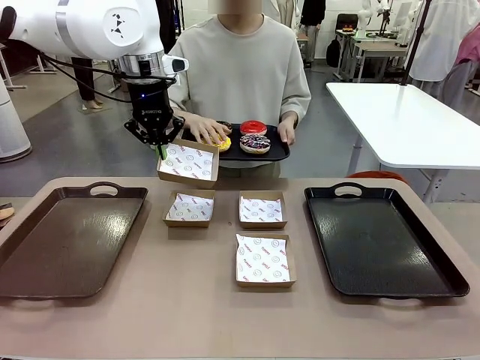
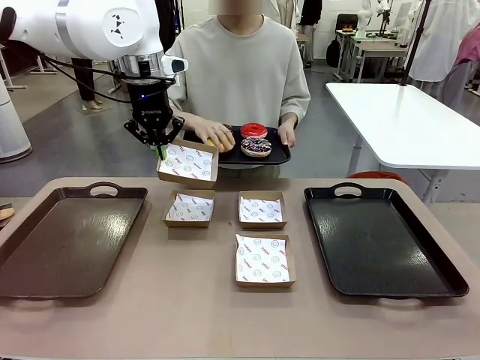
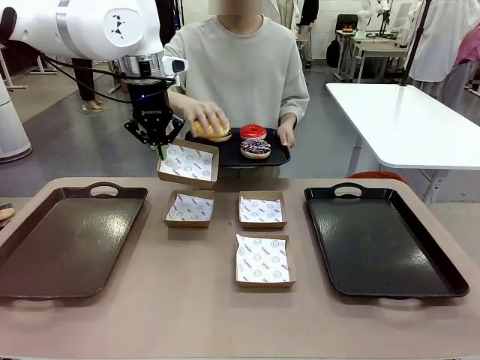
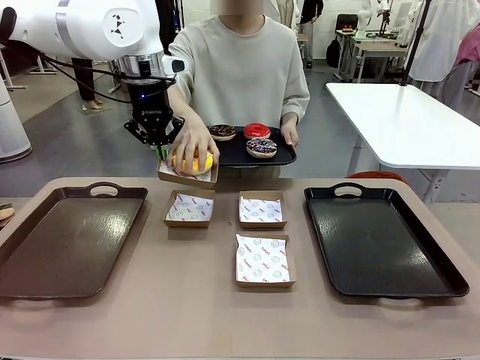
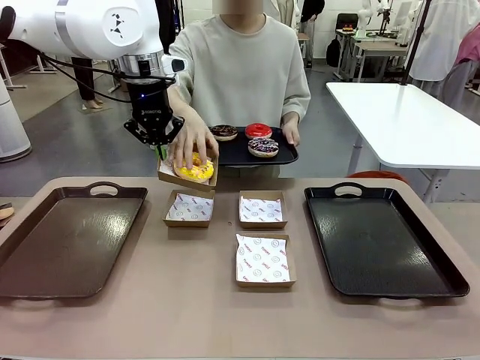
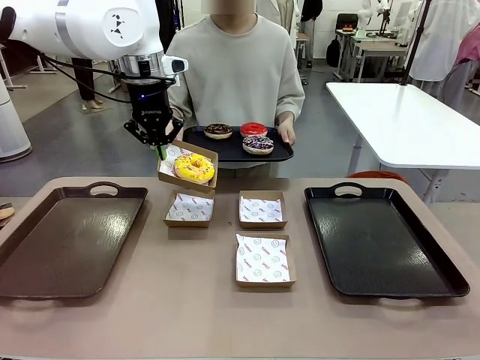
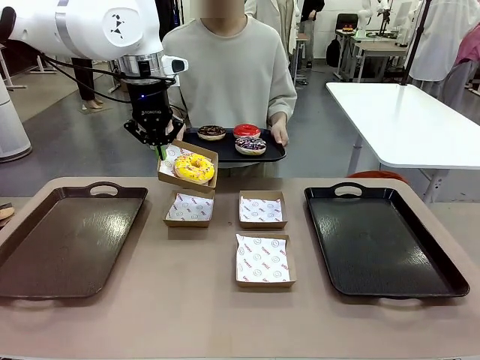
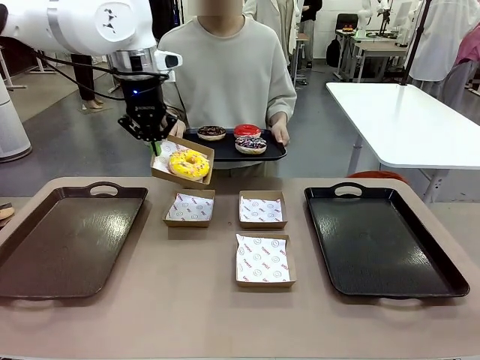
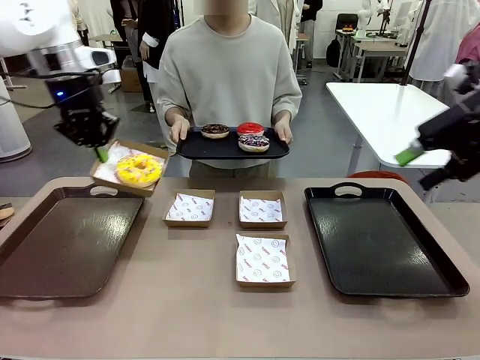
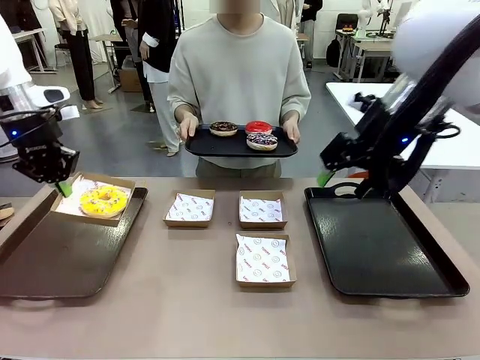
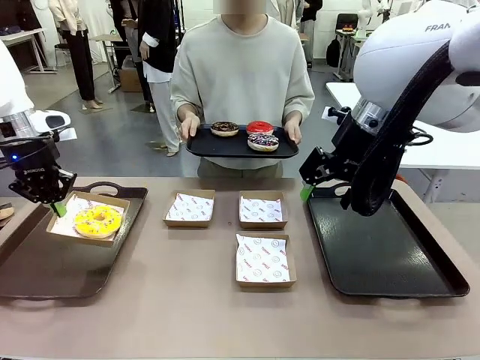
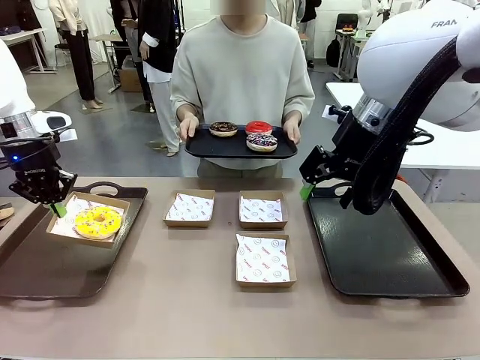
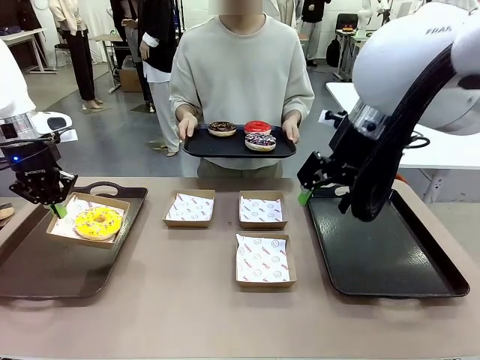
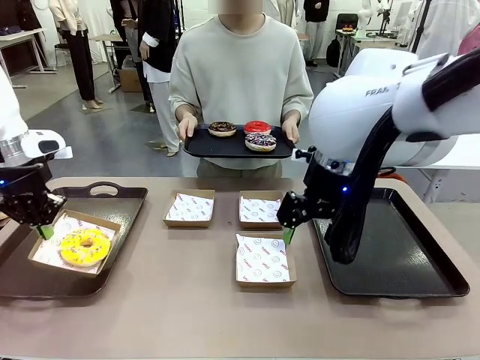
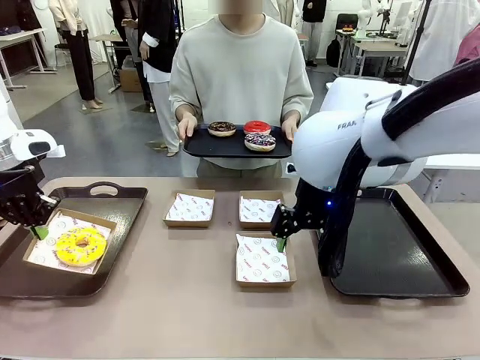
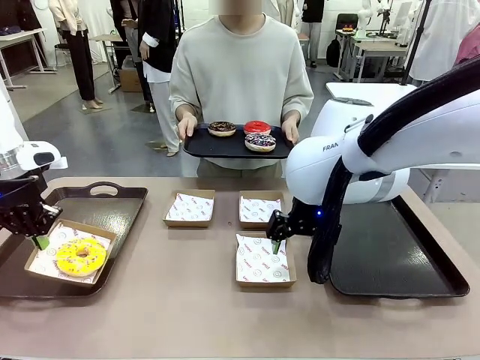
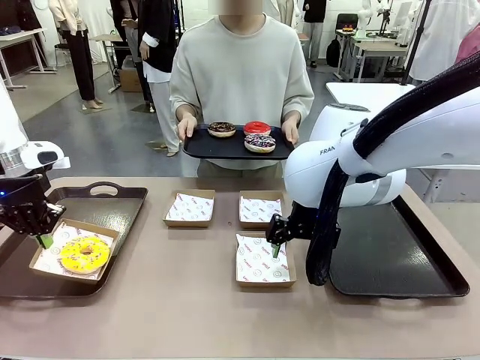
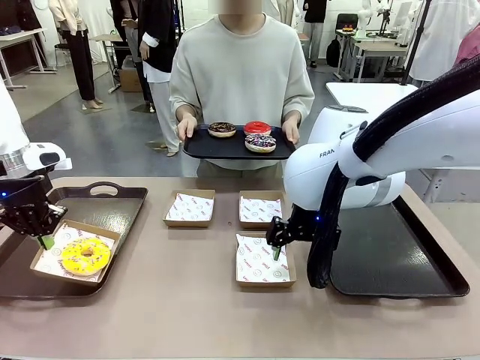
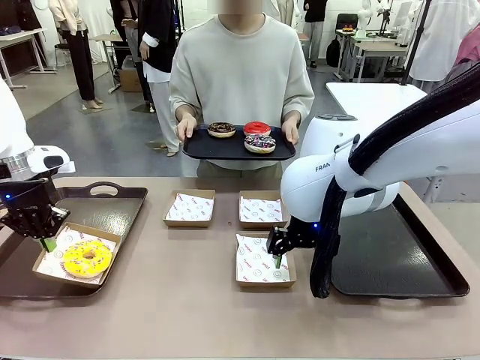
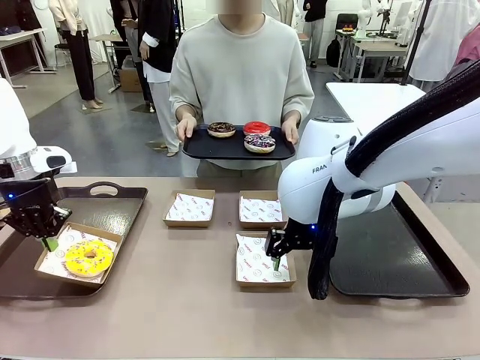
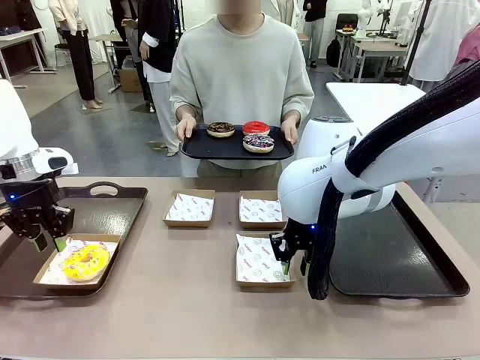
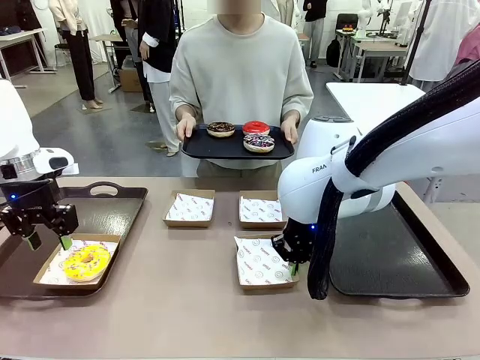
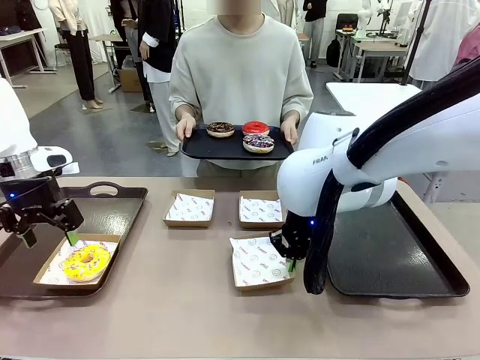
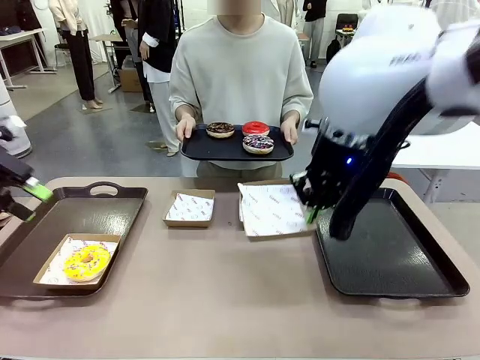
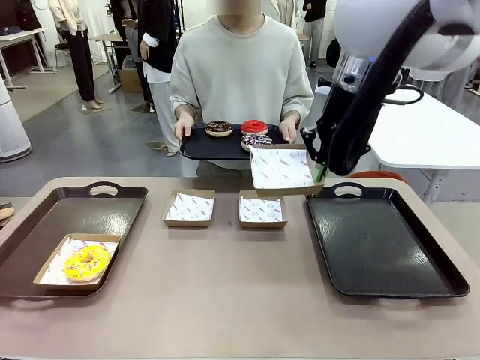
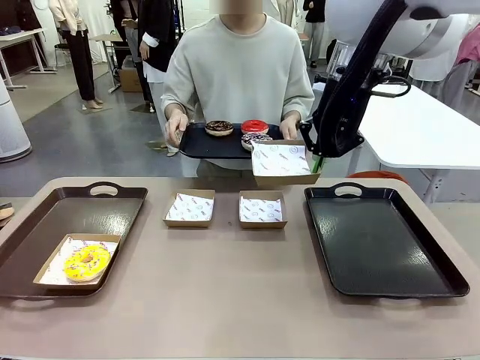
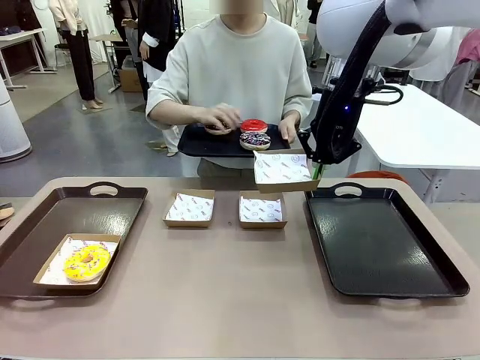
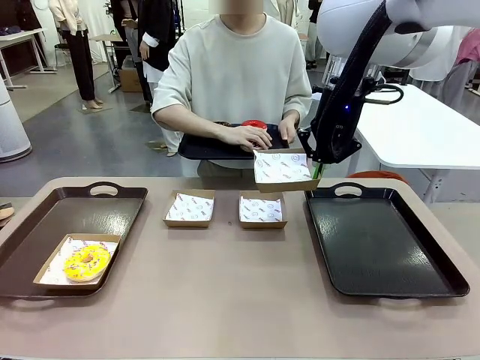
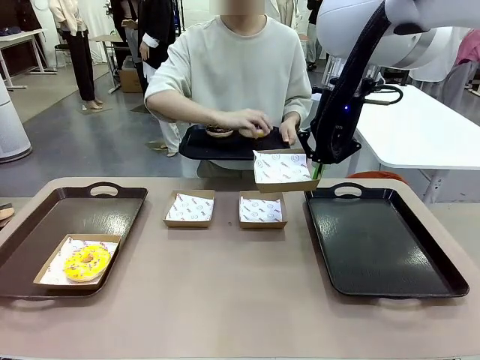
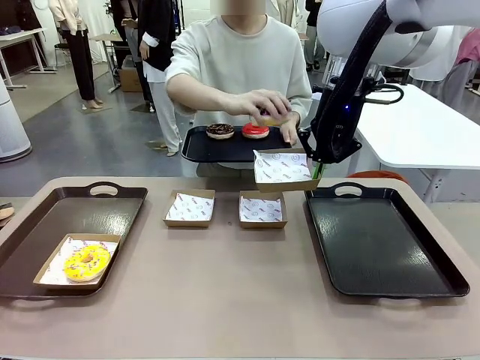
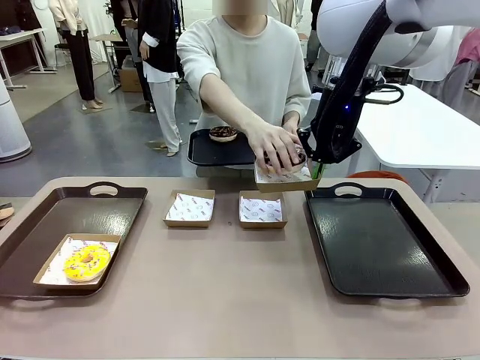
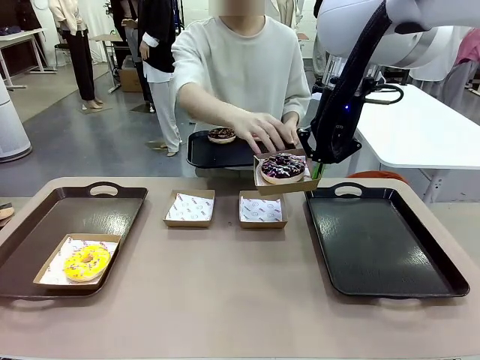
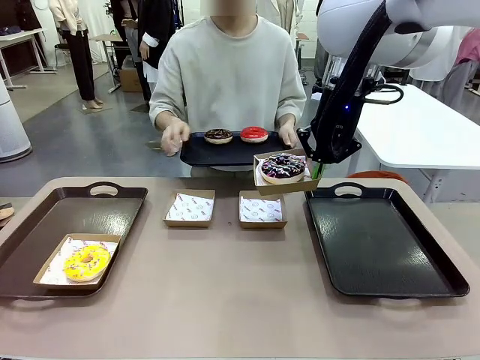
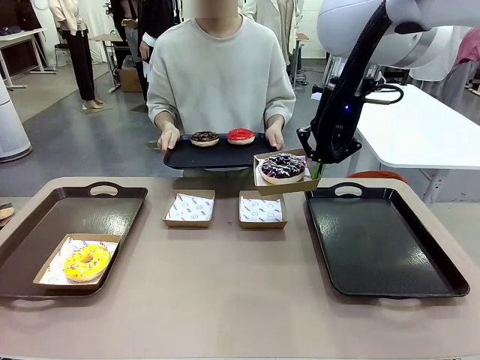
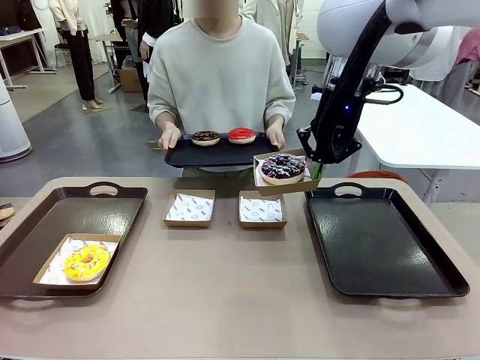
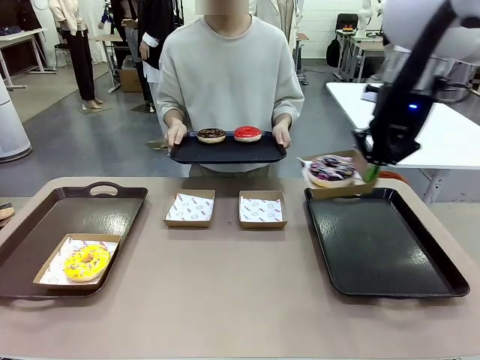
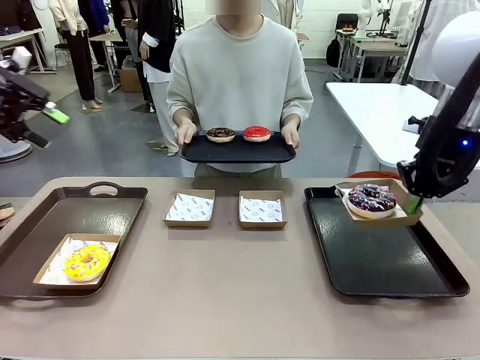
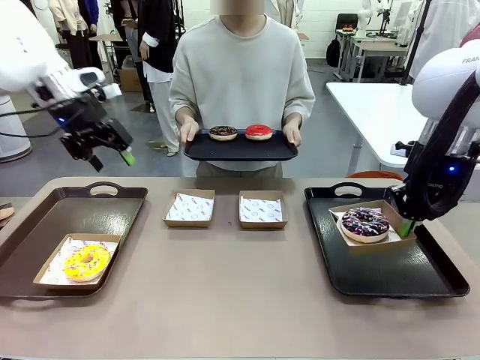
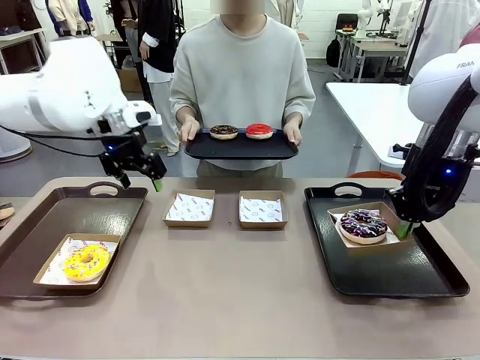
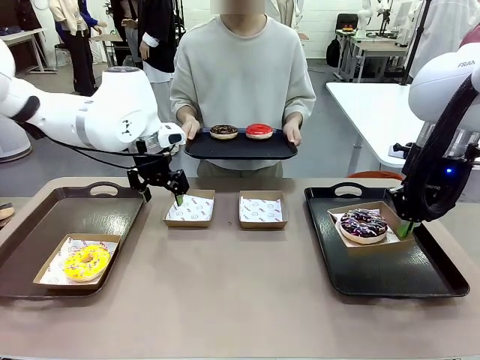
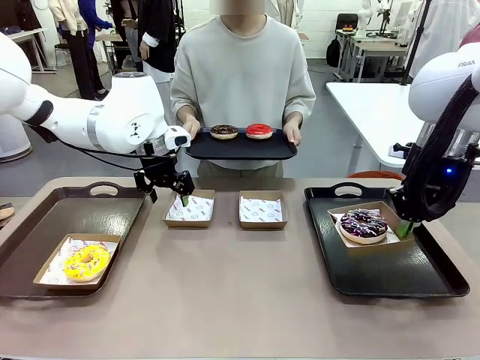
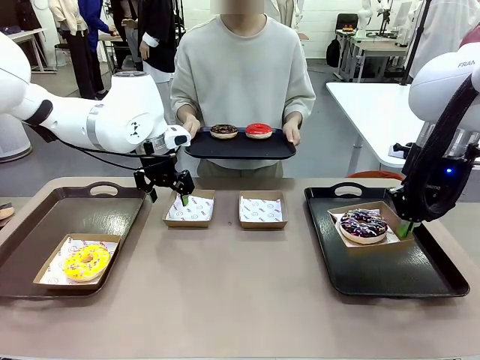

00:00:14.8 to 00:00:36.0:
Task: Individually package the donuts and arrange them on the tray.
Robot: Place the picked Paper togo box on the Handle tray while simultaneously picking up another Paper togo box from the table with the other hand.
